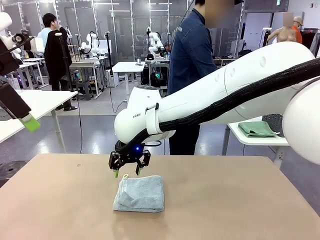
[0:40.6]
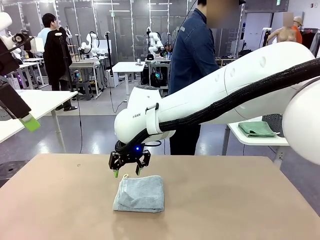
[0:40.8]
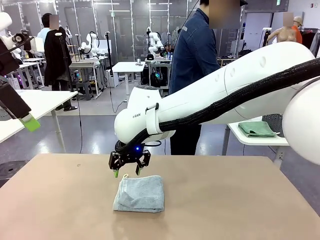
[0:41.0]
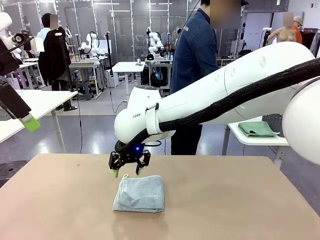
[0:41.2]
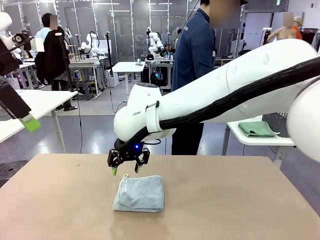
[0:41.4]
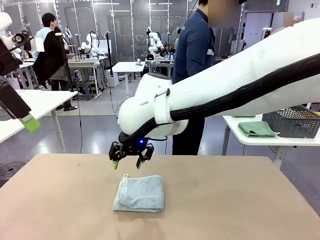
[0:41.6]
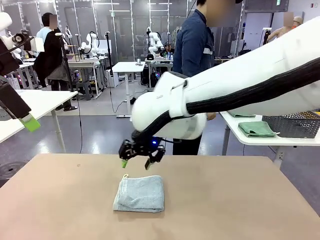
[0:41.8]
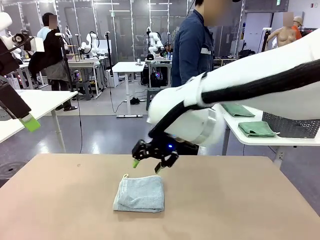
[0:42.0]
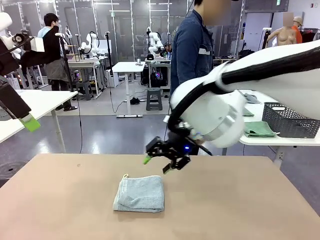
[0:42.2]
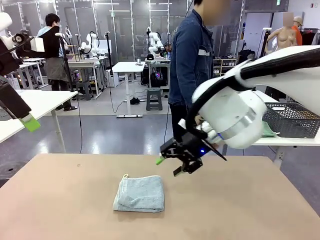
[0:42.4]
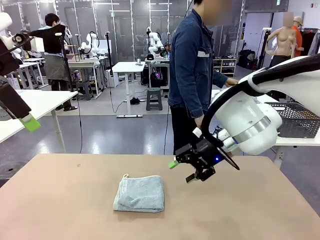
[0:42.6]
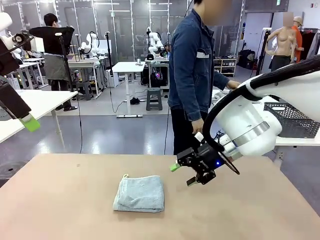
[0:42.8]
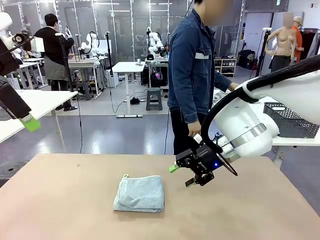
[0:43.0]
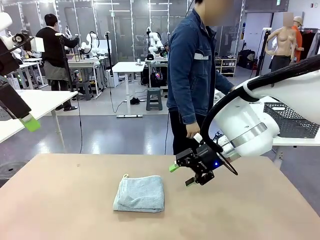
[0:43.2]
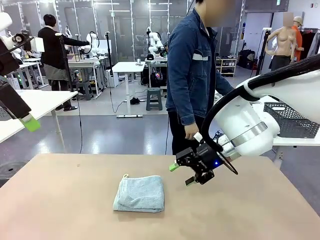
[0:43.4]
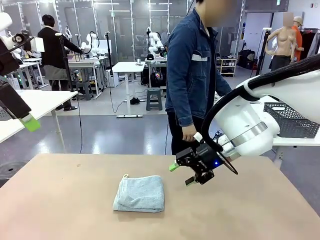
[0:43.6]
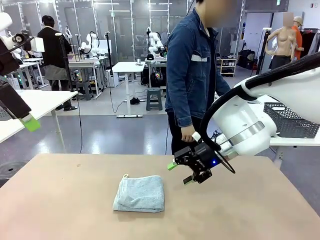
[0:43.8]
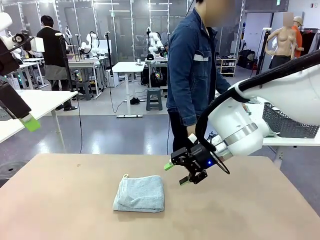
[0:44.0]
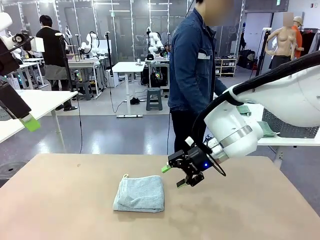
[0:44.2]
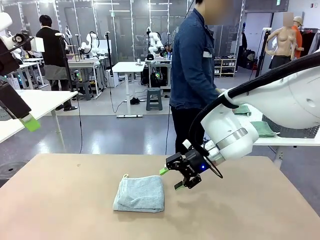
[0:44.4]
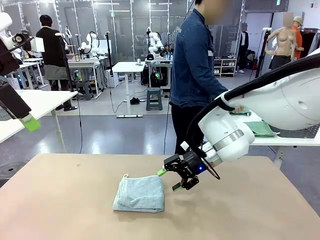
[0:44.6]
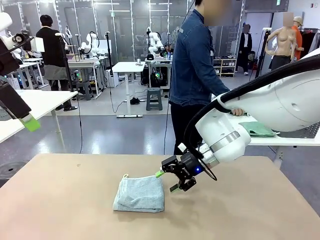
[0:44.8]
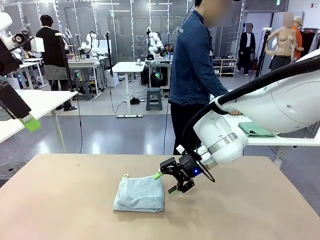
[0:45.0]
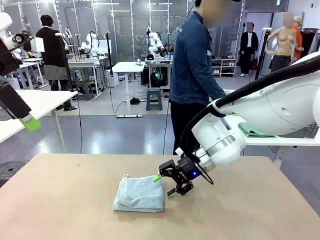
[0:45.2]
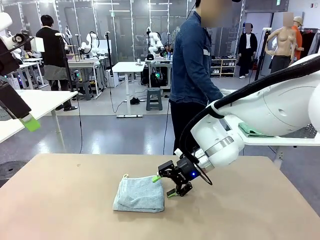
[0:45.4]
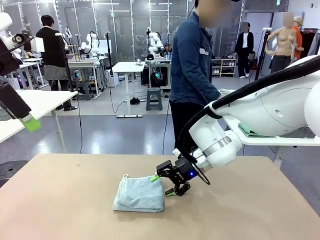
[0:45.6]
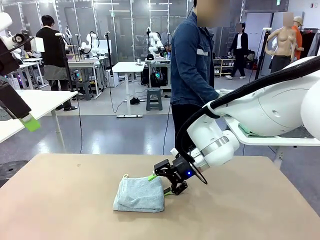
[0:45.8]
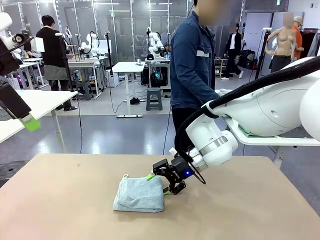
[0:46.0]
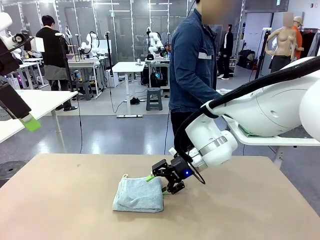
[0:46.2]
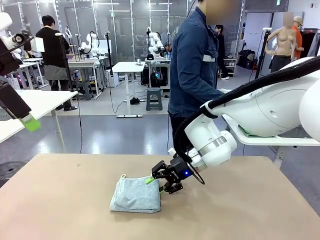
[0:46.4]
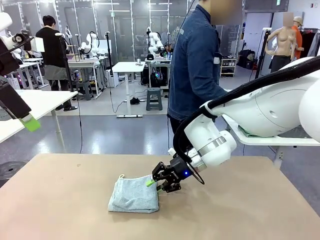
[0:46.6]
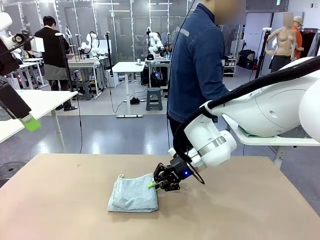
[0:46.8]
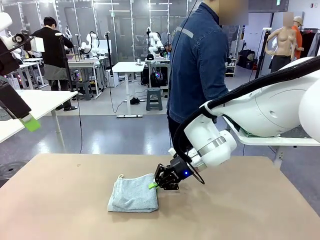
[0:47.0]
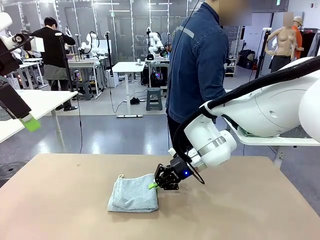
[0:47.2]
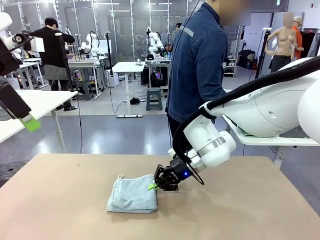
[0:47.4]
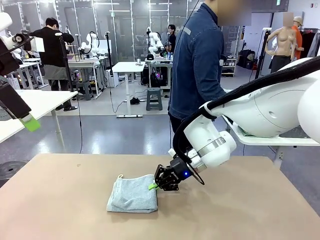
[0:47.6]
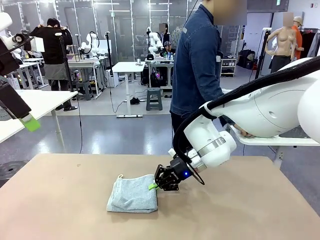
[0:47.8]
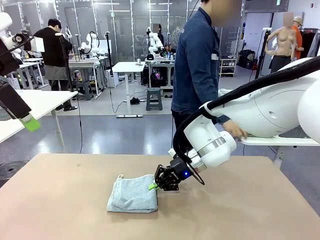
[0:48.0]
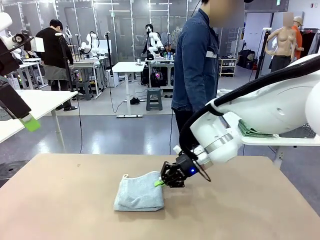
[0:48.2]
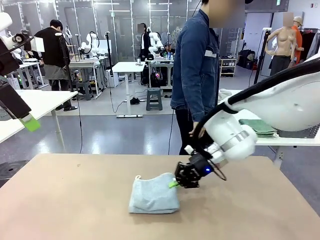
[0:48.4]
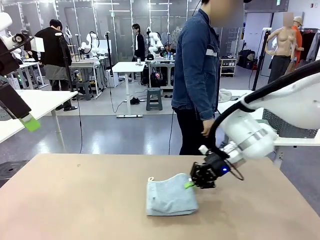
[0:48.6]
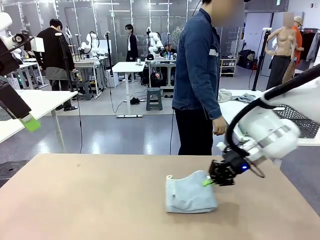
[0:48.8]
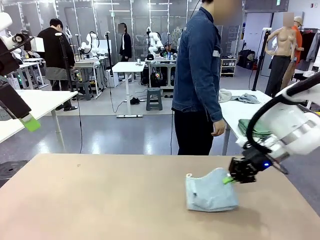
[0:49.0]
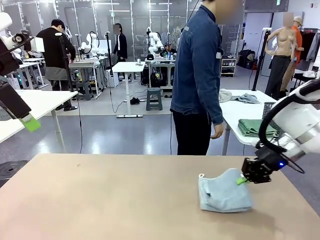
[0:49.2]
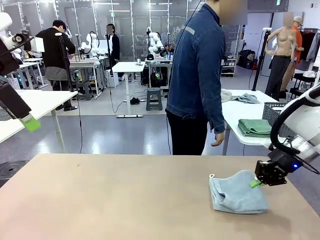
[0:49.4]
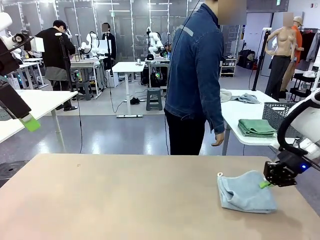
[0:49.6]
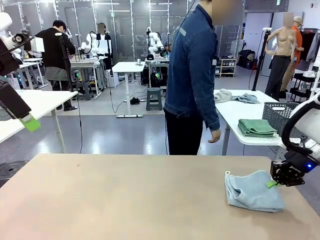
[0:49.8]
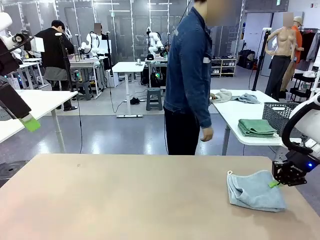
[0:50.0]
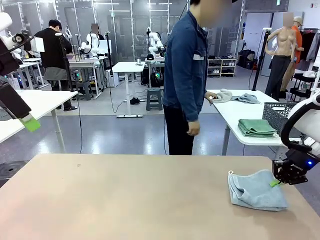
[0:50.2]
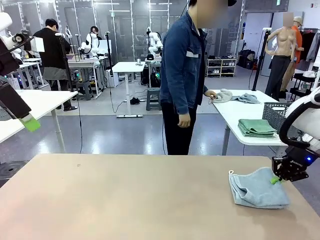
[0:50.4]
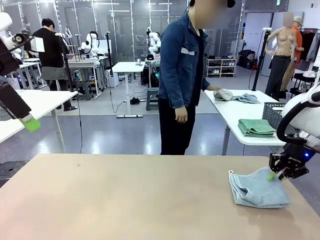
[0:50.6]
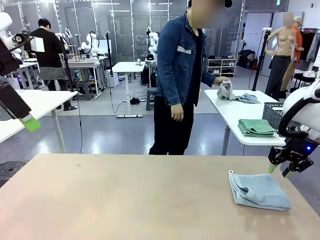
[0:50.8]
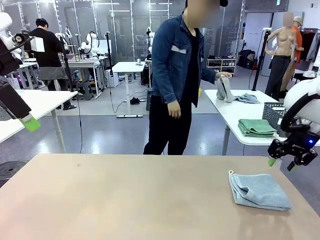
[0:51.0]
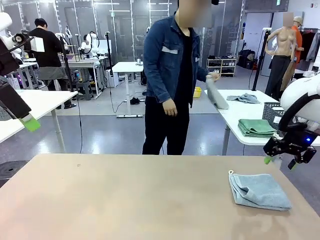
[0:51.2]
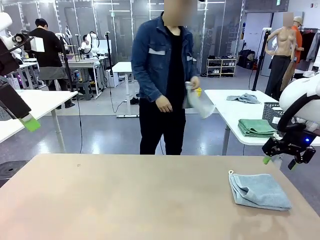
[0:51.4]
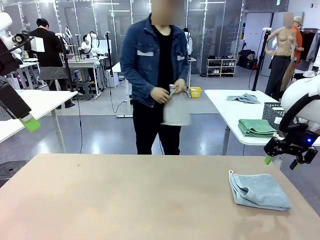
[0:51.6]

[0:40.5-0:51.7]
Task: Fold the towels and place them in the basket.
Robot: Place the folded Towel with hook on the right side of the table.
Person: Pick up one towel from the left side of the human table and spread it out at the center of the robot table.

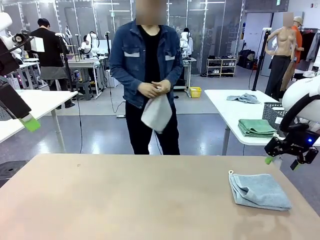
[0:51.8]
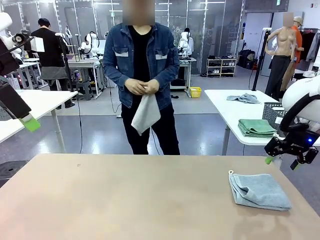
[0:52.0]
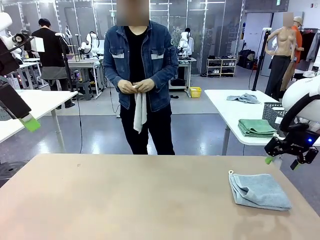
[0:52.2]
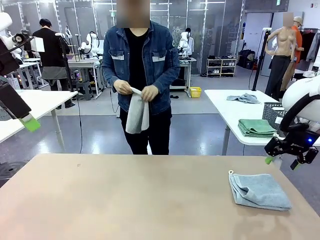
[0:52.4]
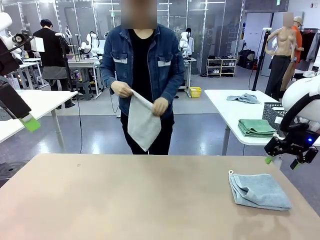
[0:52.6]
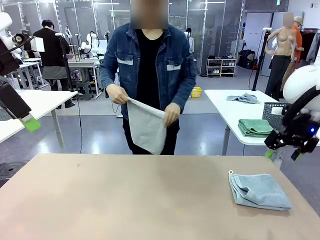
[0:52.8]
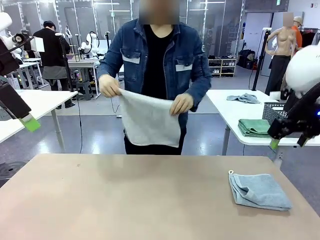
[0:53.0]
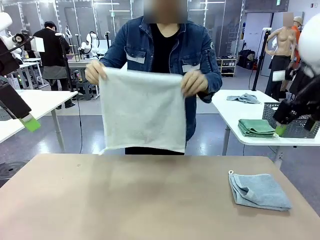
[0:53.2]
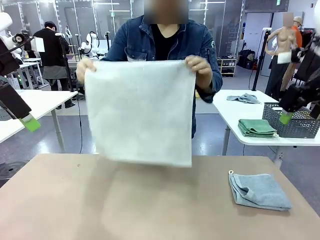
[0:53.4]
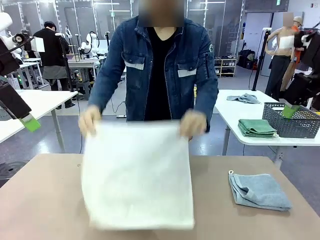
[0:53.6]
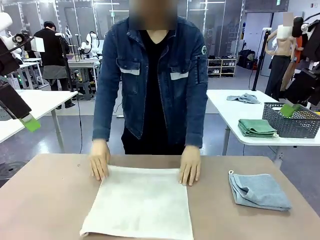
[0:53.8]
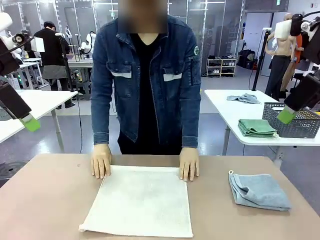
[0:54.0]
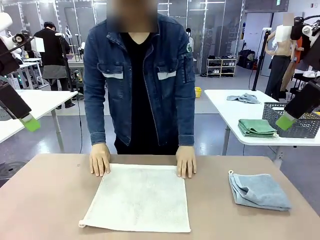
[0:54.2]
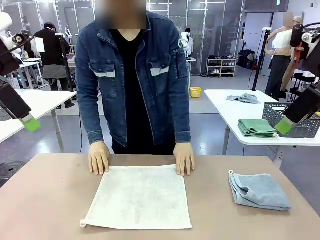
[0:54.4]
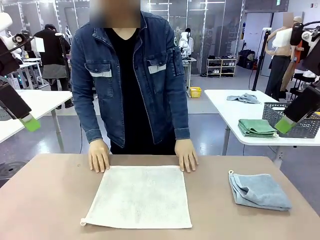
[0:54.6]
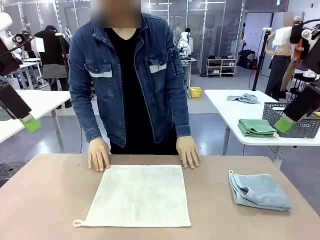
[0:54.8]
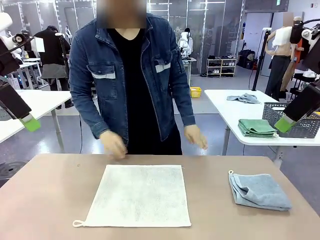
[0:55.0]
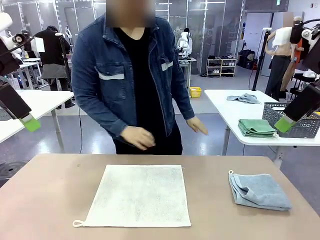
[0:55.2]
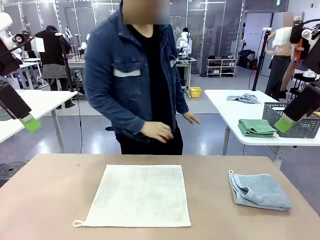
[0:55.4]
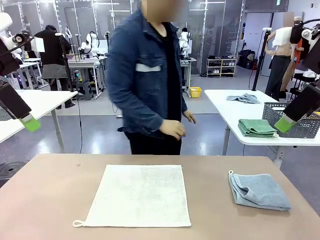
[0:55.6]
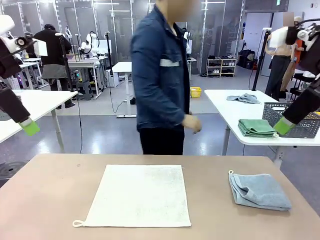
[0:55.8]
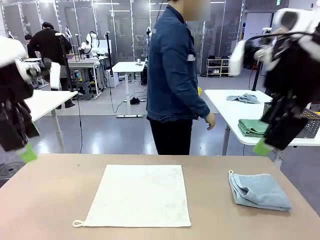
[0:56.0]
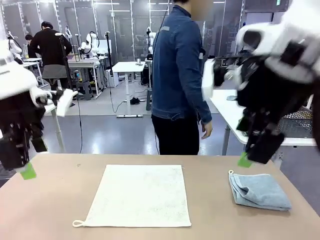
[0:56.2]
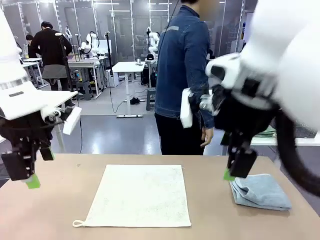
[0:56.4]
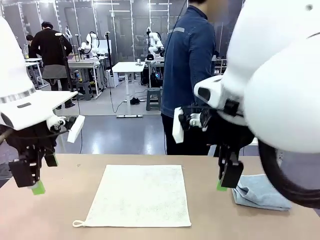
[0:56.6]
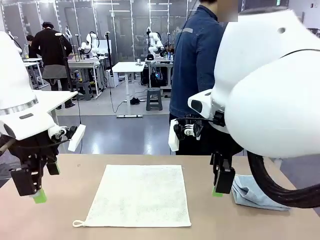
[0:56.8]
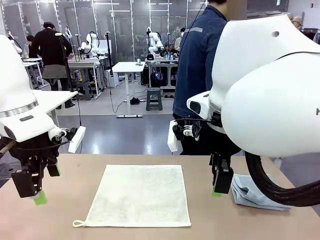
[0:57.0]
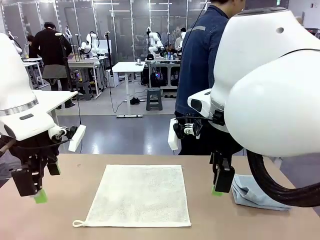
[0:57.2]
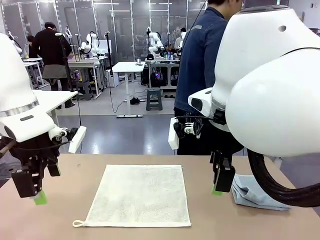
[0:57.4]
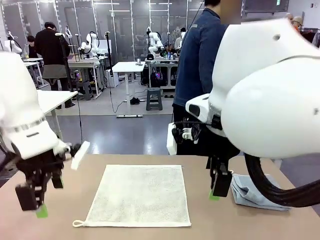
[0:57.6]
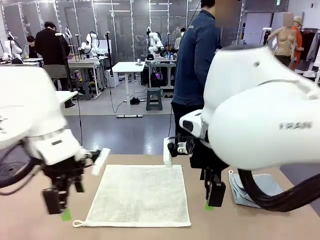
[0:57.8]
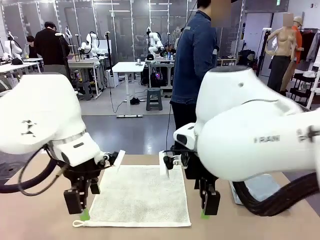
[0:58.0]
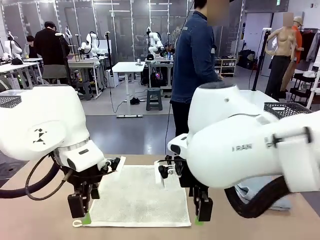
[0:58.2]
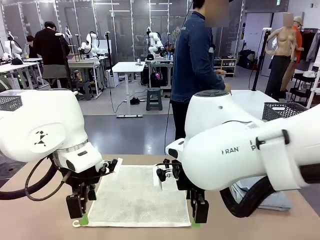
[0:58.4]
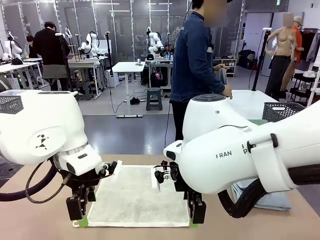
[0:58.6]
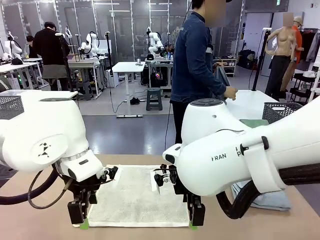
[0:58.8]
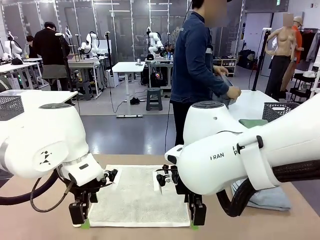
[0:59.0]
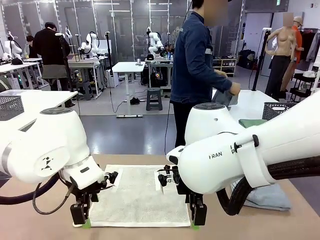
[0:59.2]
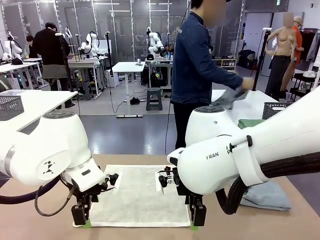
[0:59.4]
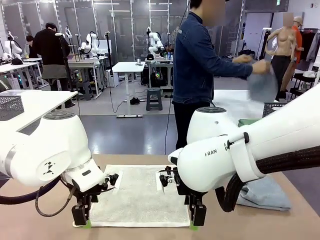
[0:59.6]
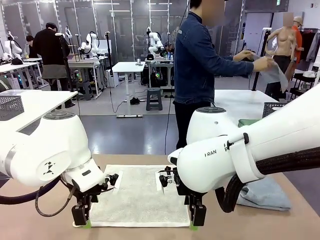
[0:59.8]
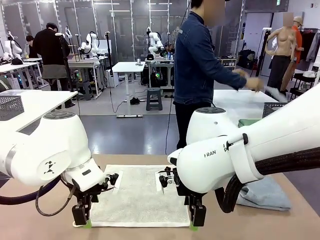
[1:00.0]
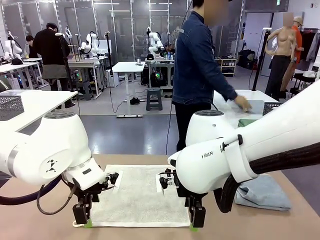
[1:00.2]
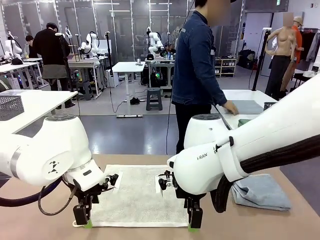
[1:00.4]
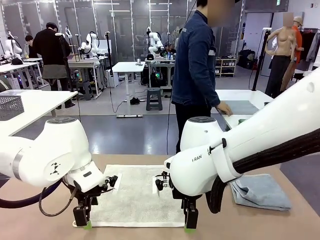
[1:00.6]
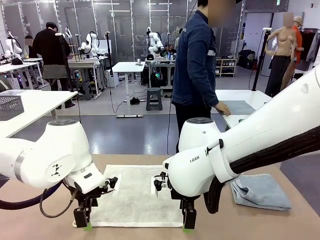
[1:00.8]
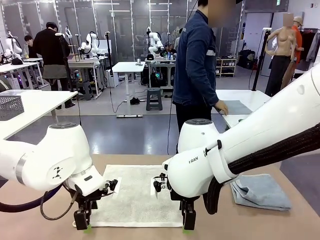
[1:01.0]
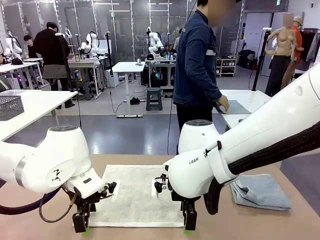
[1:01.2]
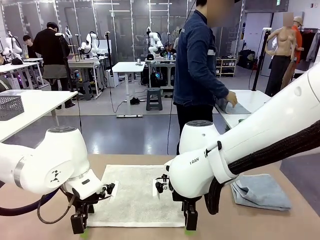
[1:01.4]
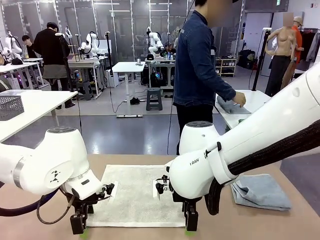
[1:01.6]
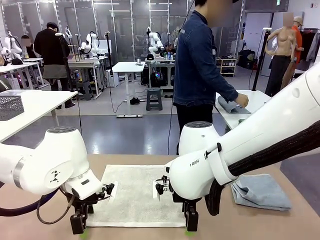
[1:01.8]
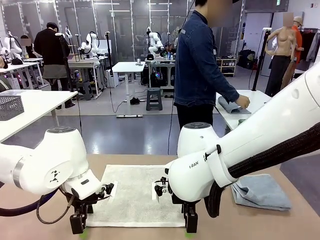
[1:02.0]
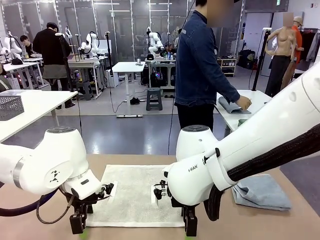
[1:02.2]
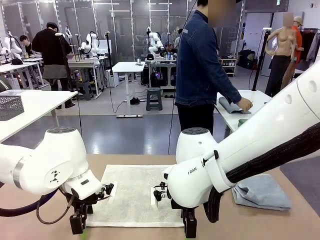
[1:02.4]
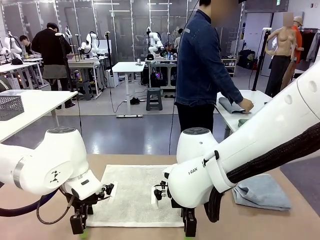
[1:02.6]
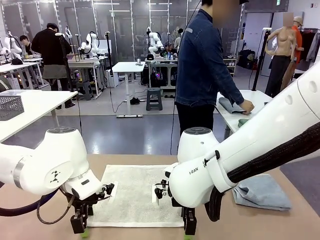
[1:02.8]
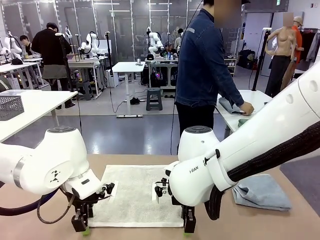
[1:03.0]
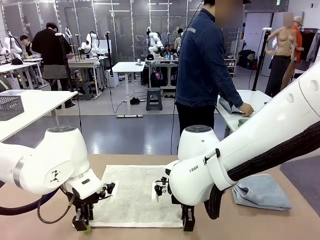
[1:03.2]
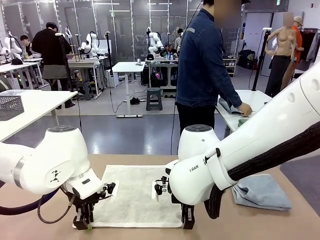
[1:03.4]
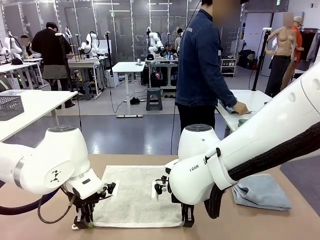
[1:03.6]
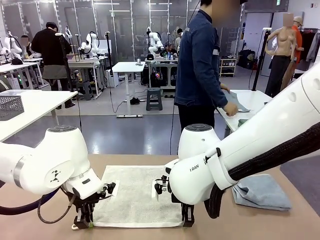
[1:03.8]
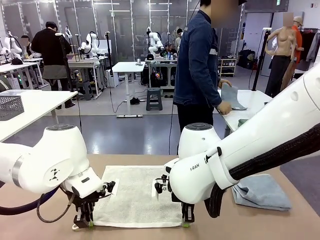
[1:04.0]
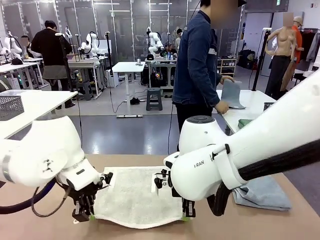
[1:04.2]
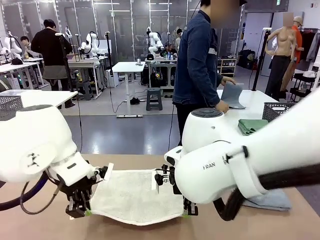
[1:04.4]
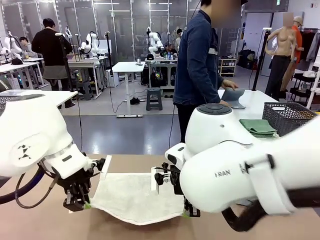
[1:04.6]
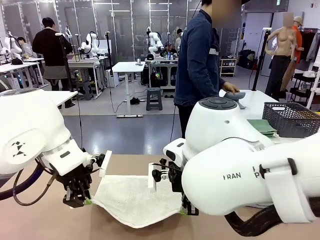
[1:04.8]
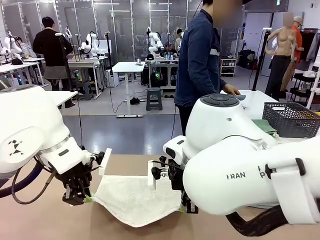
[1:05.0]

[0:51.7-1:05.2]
Robot: When a person lays out a Towel with hook on the table, fold it in half twice.
Person: Pick up one towel from the left side of the human table, fold it in half twice, and stack it on the right side of the table.
